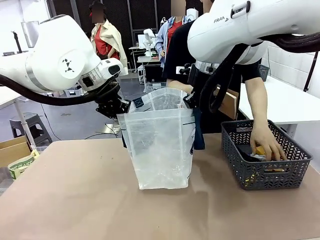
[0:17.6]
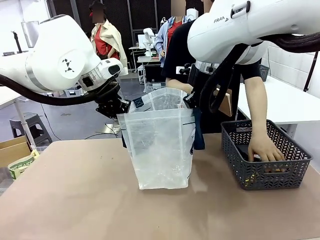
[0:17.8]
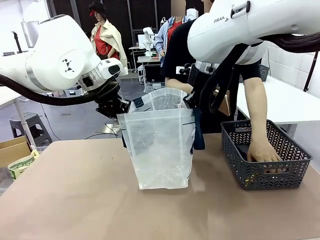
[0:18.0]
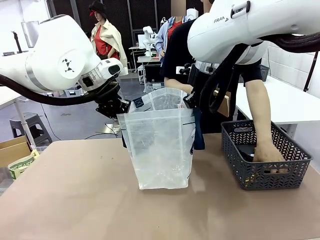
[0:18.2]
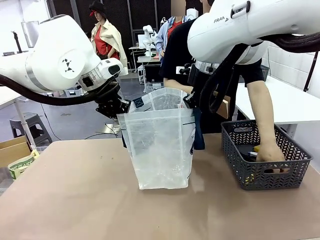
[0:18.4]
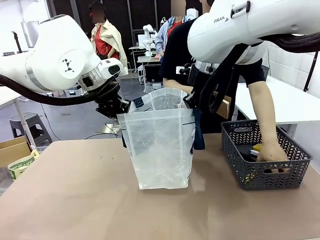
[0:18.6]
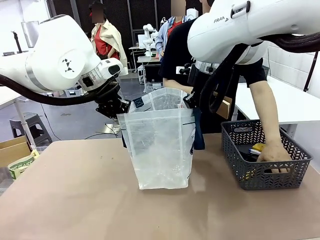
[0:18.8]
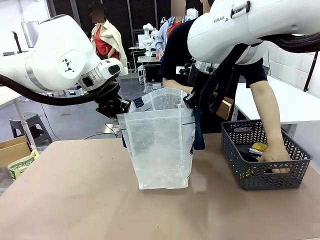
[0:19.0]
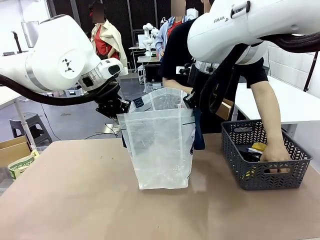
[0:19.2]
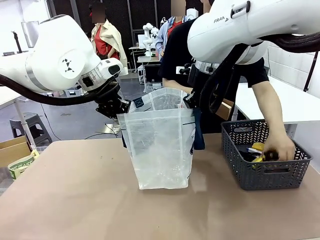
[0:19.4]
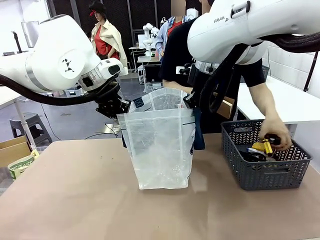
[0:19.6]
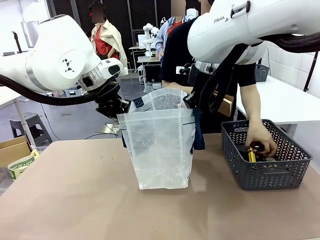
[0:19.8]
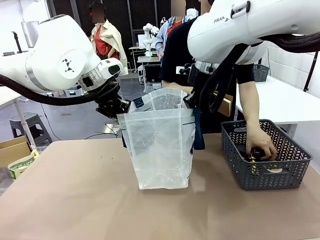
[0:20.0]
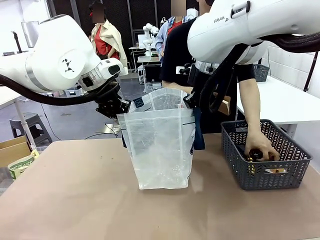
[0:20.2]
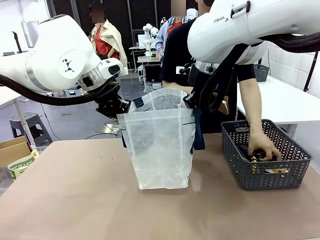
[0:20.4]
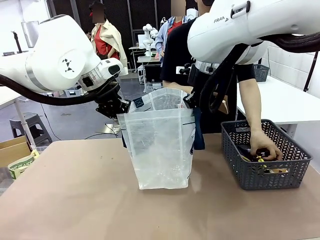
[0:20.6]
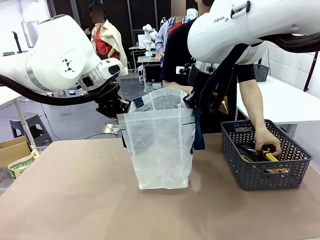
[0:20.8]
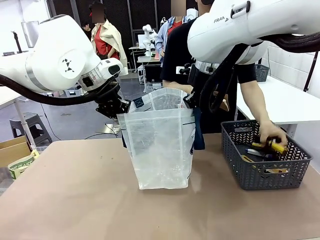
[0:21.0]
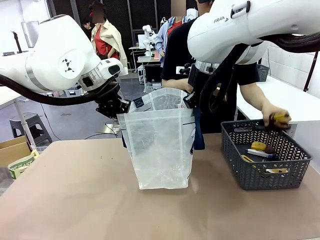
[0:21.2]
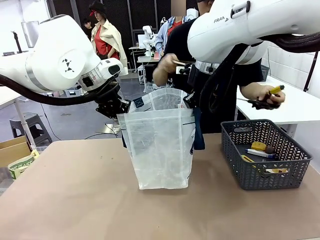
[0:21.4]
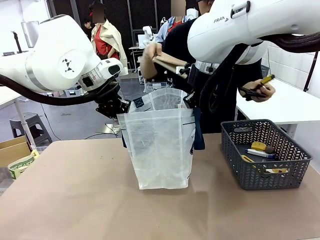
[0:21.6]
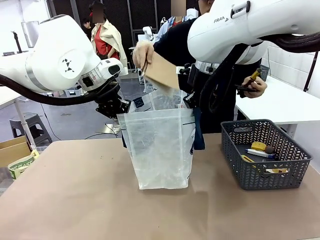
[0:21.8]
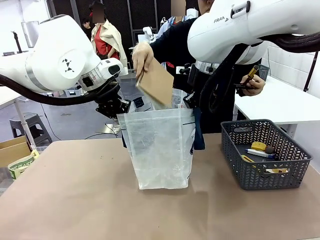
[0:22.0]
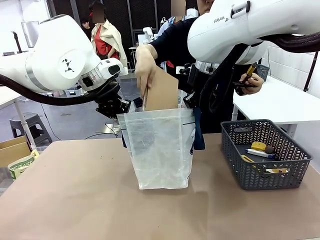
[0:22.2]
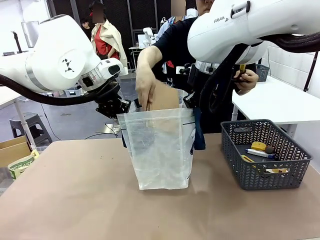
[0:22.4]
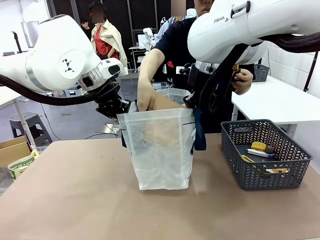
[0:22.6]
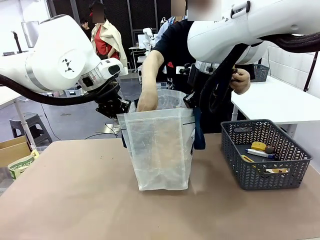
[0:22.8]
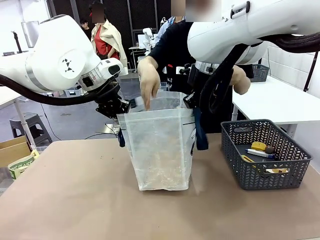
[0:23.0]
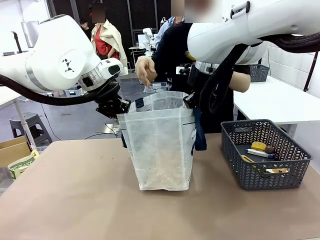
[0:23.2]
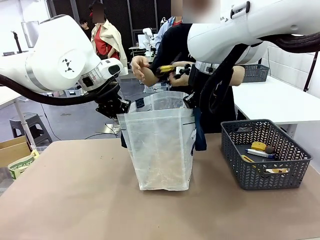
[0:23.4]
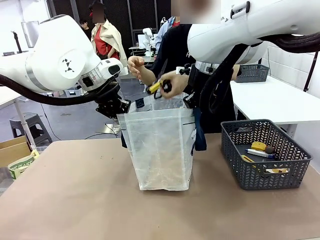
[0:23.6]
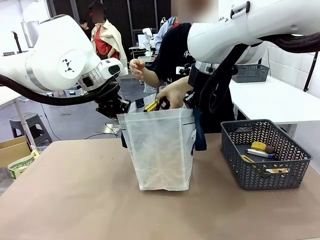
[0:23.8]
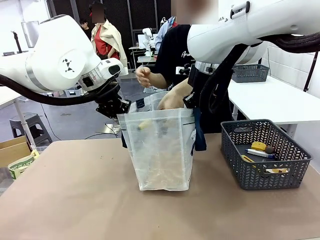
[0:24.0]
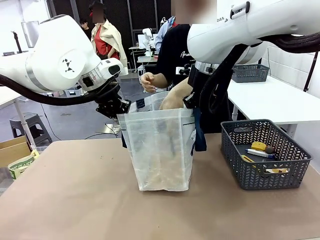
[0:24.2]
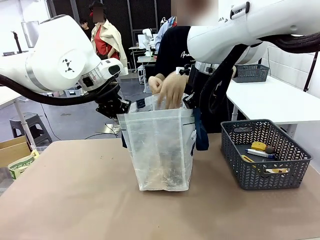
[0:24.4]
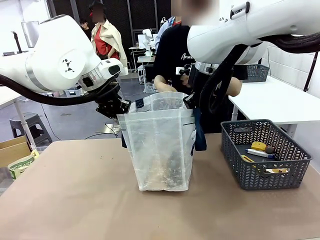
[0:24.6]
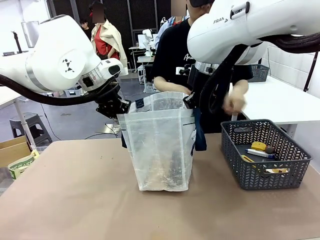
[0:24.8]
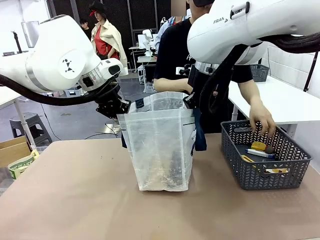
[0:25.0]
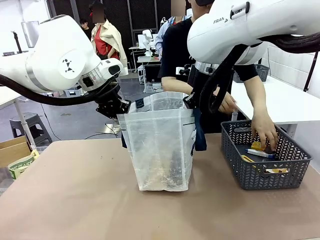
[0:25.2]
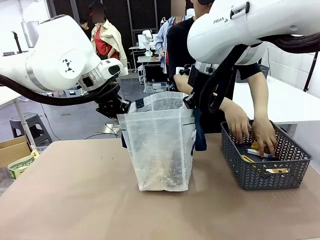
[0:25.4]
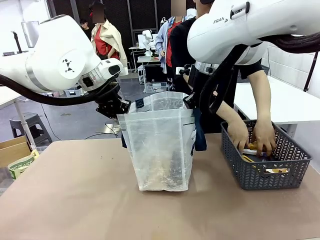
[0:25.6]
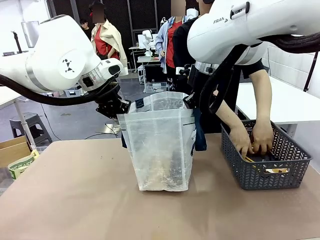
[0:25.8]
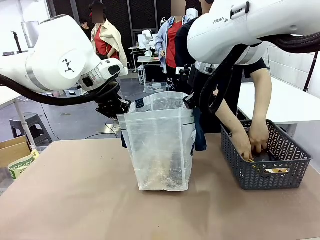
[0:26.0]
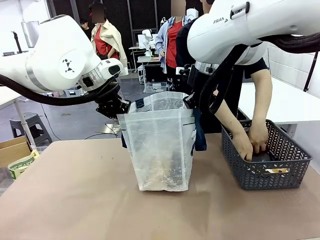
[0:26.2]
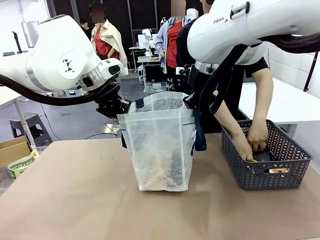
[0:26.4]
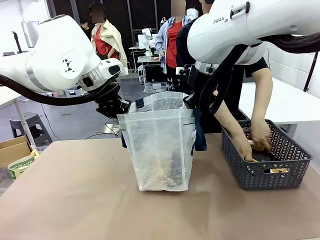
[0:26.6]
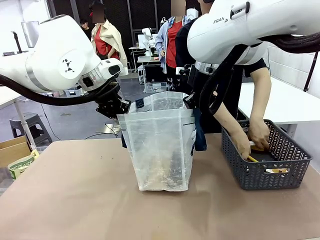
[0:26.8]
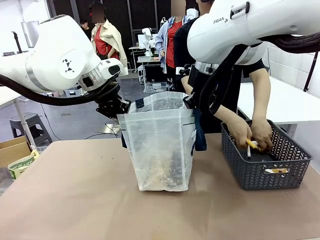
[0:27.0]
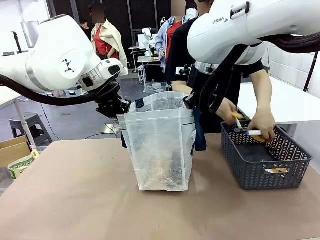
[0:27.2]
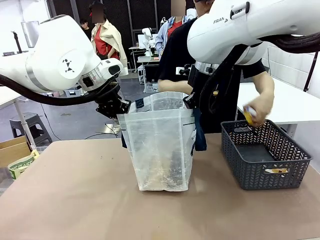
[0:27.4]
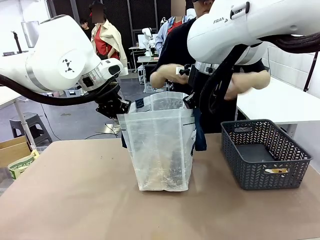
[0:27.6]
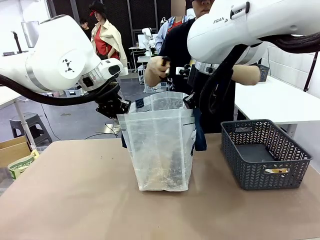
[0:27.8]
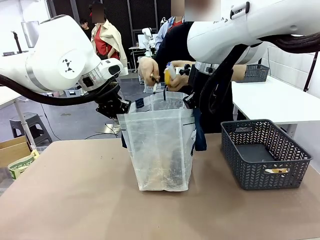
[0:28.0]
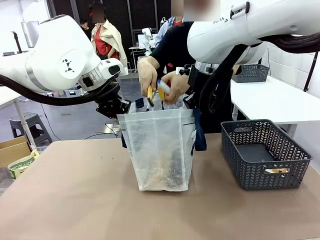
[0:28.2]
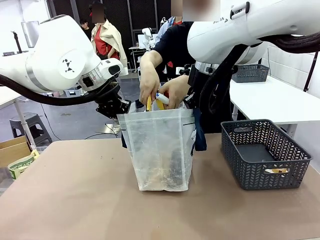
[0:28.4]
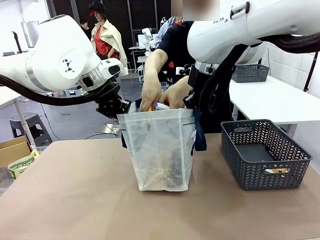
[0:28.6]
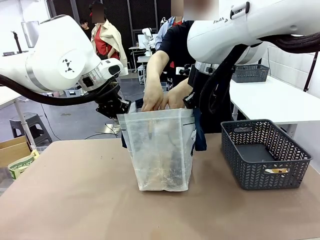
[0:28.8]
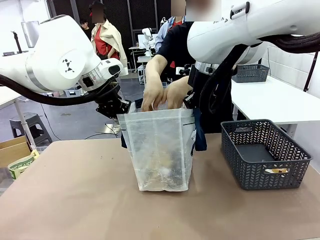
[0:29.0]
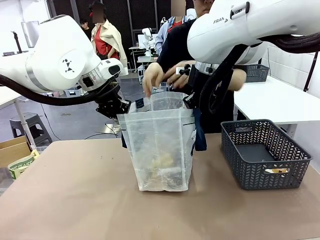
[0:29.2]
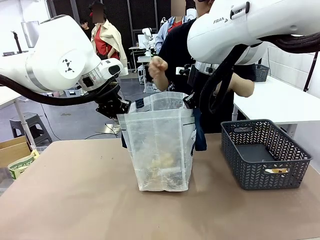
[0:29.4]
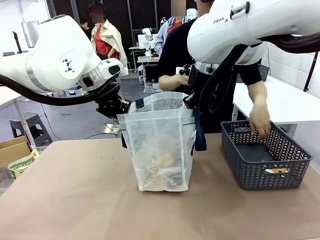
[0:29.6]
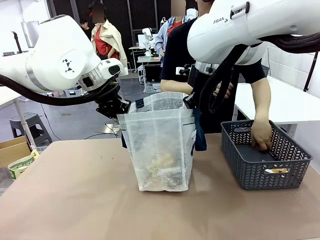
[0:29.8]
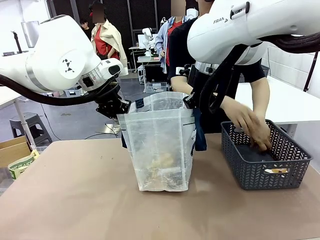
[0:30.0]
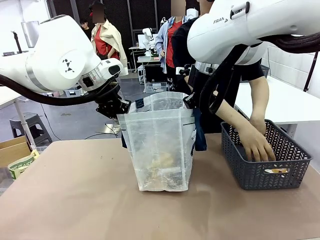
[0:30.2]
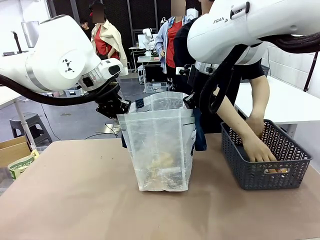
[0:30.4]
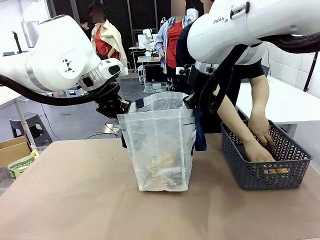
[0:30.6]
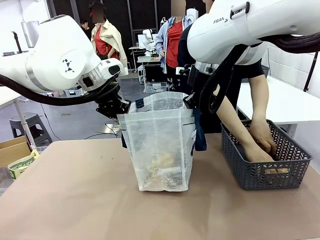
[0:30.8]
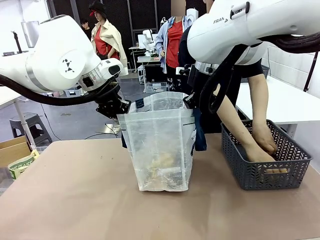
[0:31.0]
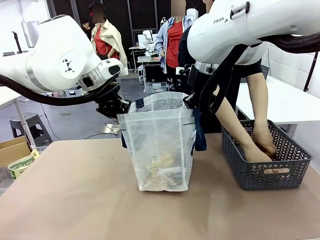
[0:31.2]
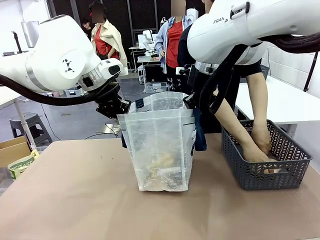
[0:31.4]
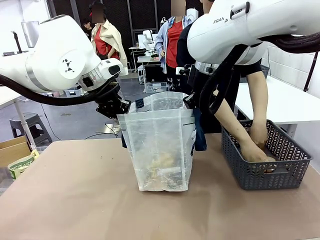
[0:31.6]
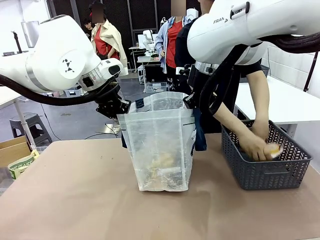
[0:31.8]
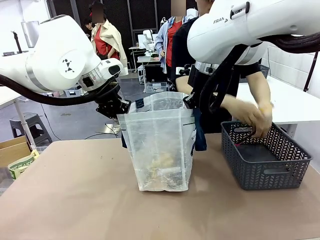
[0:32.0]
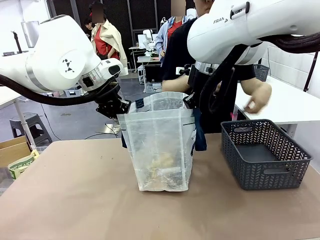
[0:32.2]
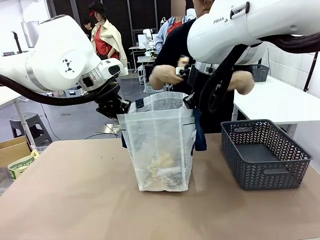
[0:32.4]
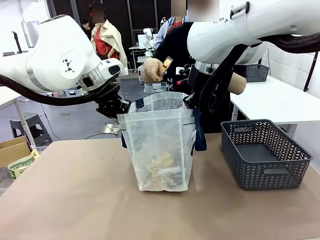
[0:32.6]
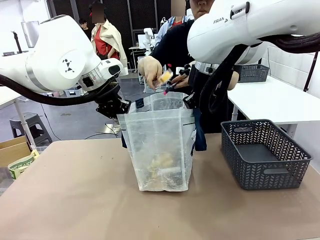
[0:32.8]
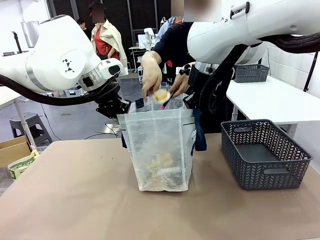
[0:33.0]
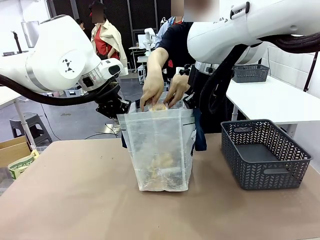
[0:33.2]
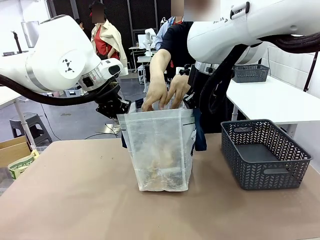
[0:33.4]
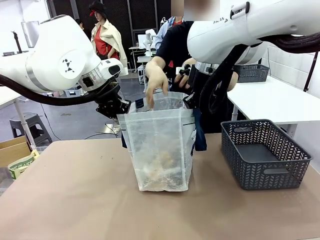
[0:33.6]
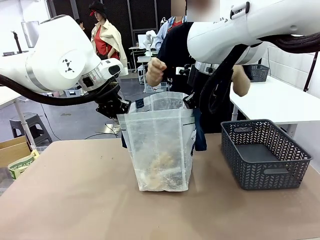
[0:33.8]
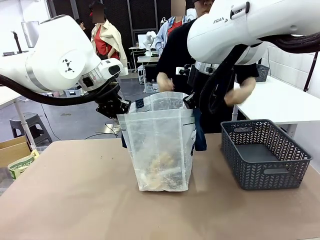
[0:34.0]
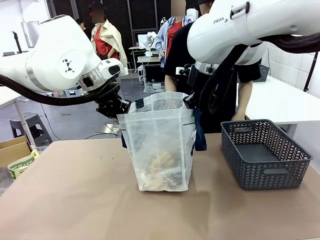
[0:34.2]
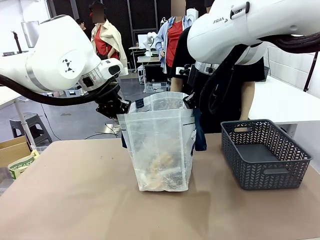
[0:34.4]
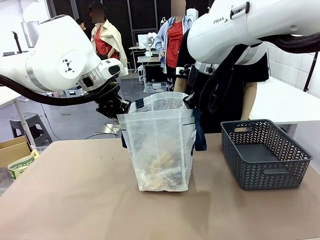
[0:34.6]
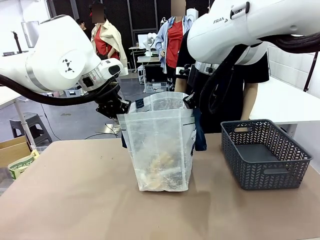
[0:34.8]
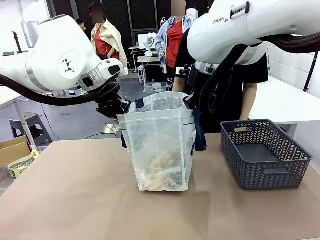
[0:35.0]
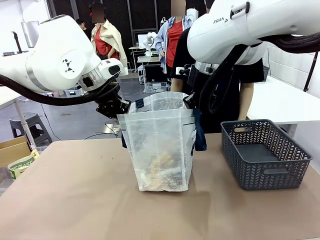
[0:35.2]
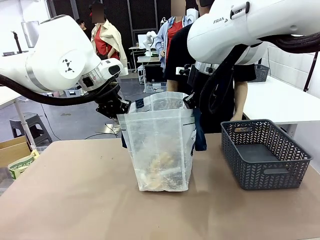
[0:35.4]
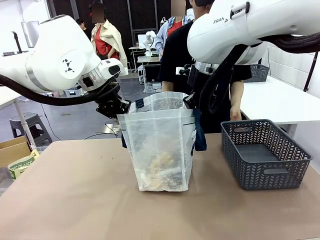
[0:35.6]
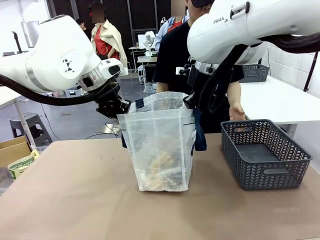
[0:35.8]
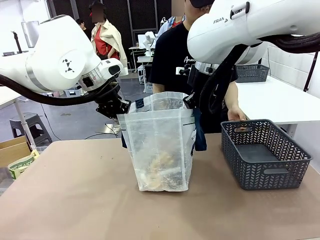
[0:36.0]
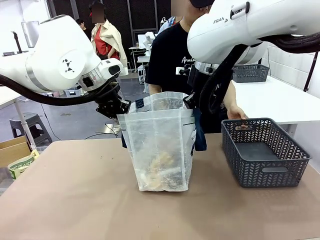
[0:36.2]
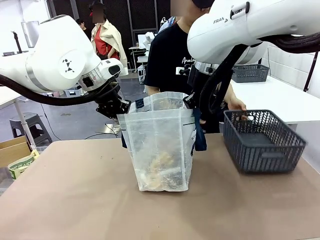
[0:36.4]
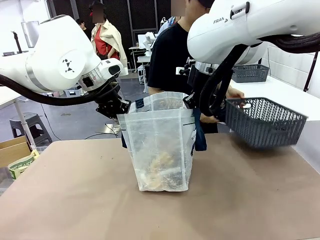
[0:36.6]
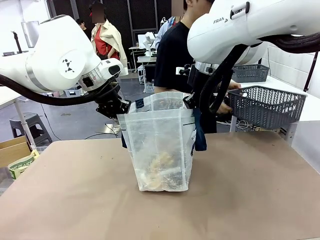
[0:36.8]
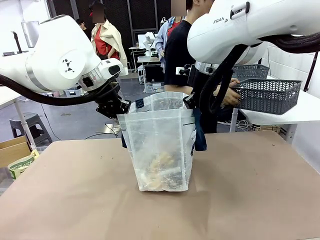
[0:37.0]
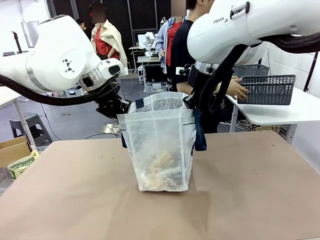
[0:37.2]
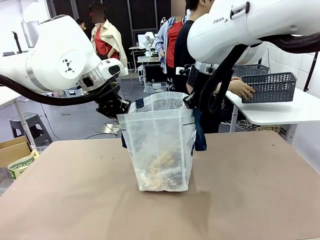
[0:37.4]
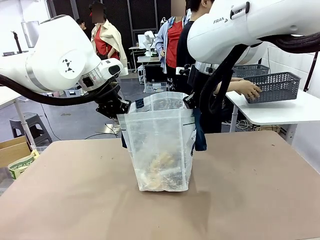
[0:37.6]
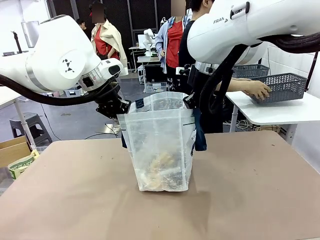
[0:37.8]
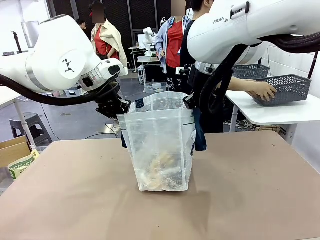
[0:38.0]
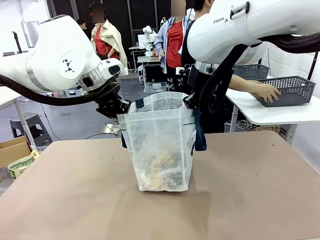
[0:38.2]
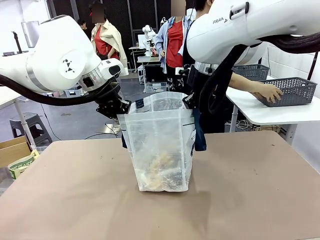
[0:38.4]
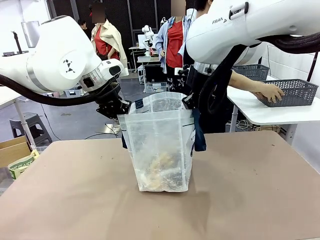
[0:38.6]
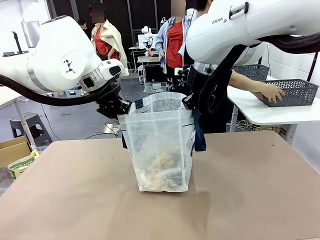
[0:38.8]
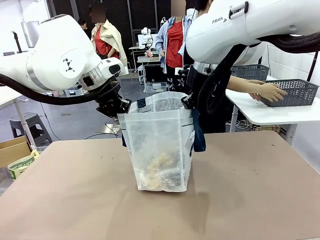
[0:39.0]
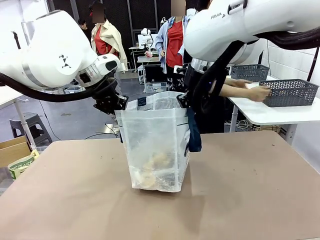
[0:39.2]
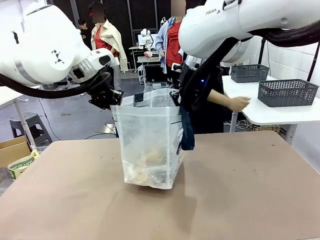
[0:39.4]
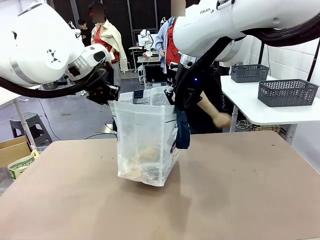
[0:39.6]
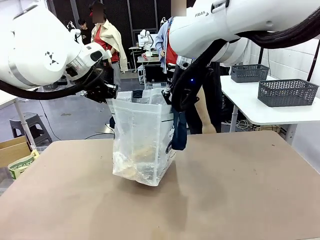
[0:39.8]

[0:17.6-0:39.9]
Task: Transfer purchased items from the store into the shopping bag.
Robot: Move the Reusable shopping bag to the right side of the table.
Person: Pick up the basket on the right, place it on the left side of the robot table, and move the items in the basket to the shopping bag. Pick up the basket with the items out and place it on the right side of the human table.
